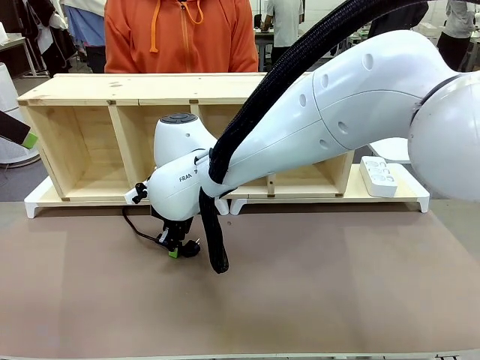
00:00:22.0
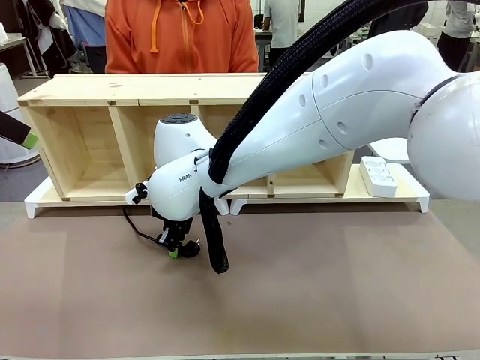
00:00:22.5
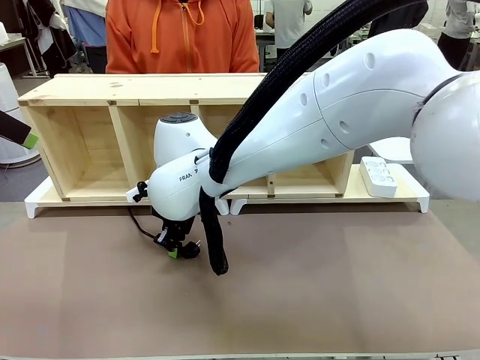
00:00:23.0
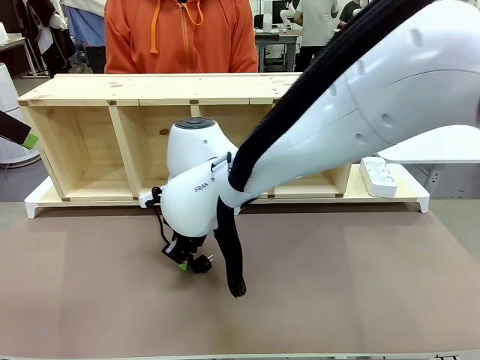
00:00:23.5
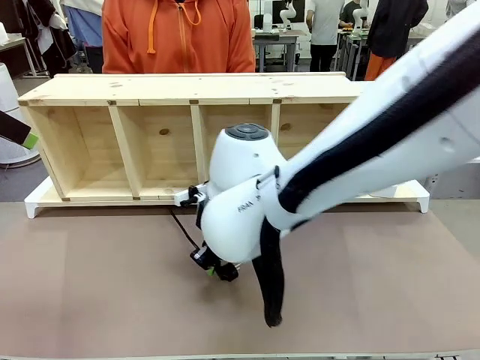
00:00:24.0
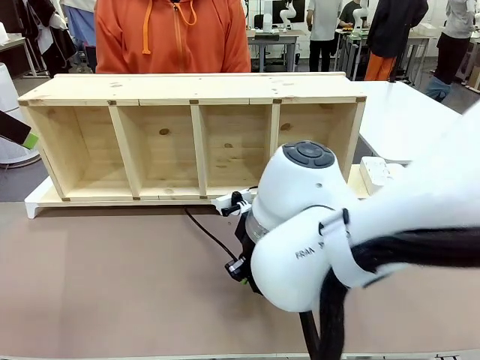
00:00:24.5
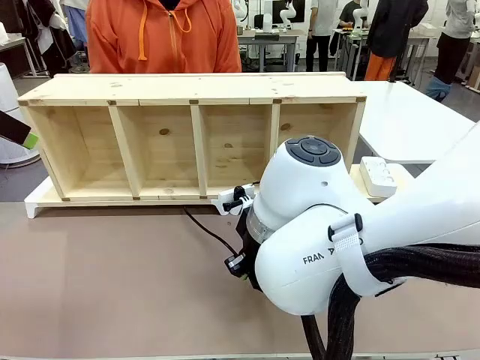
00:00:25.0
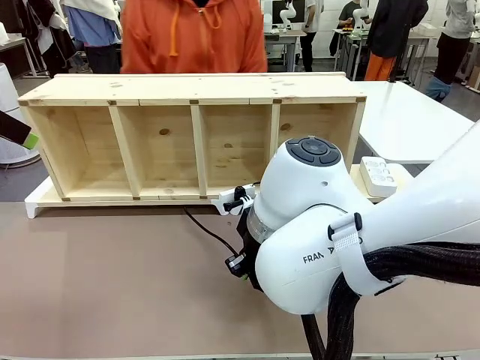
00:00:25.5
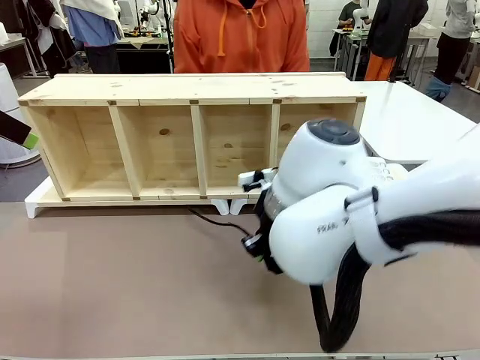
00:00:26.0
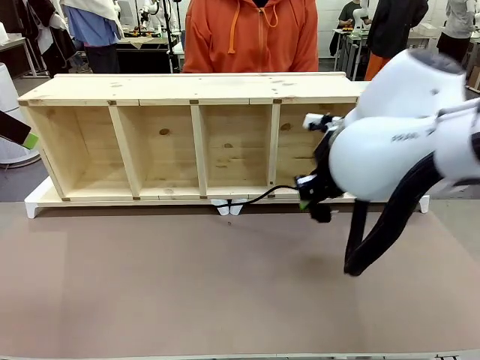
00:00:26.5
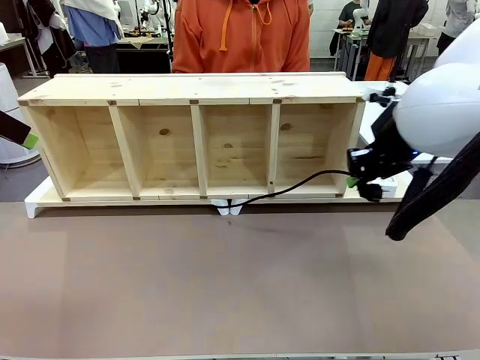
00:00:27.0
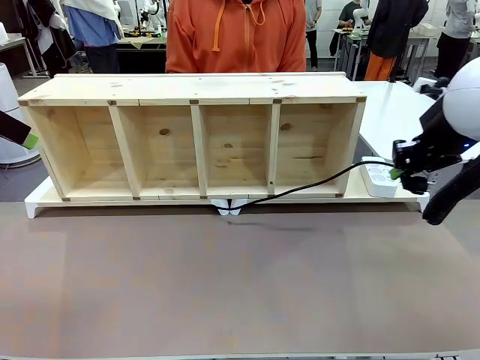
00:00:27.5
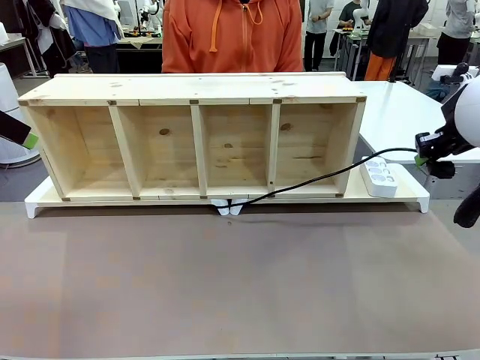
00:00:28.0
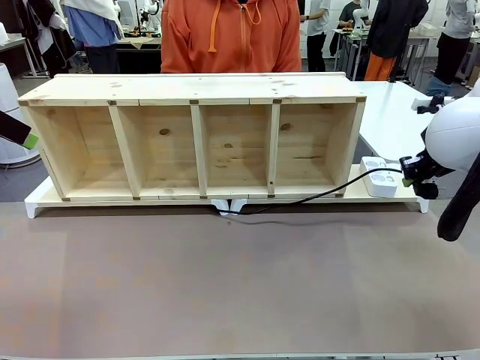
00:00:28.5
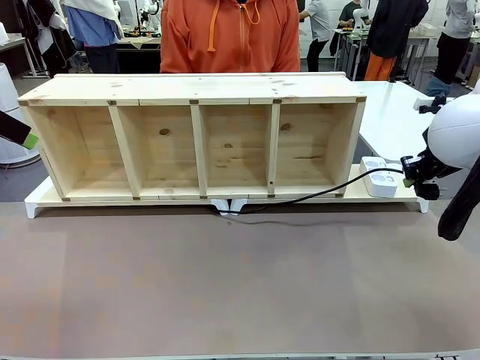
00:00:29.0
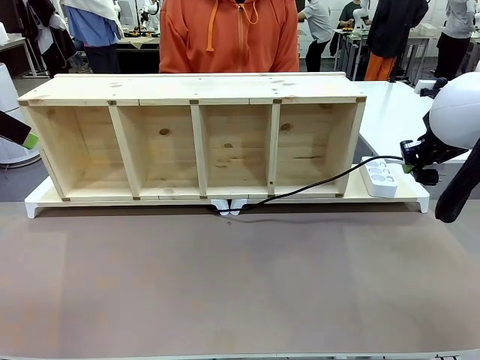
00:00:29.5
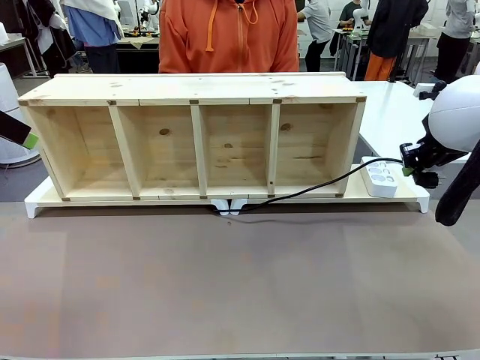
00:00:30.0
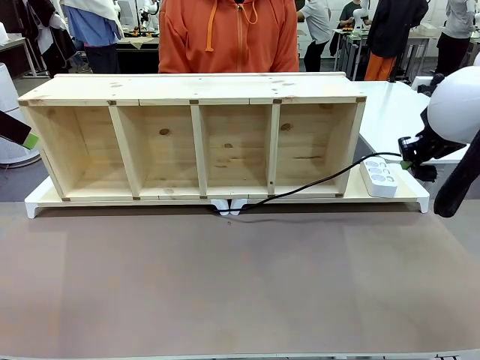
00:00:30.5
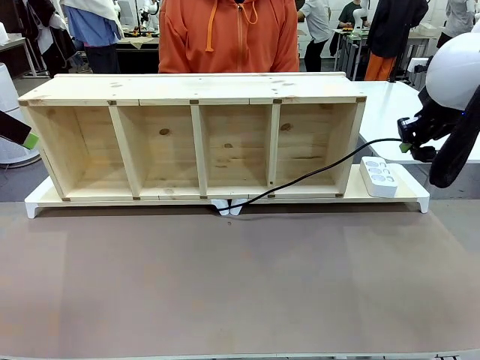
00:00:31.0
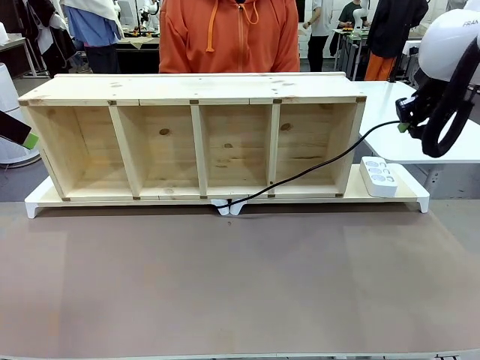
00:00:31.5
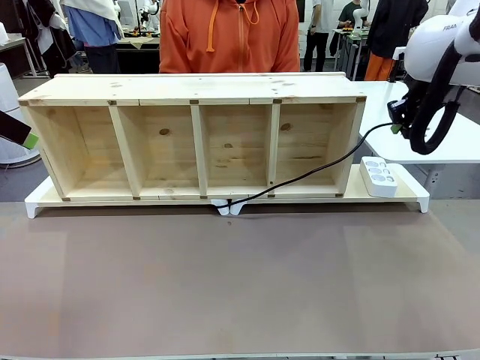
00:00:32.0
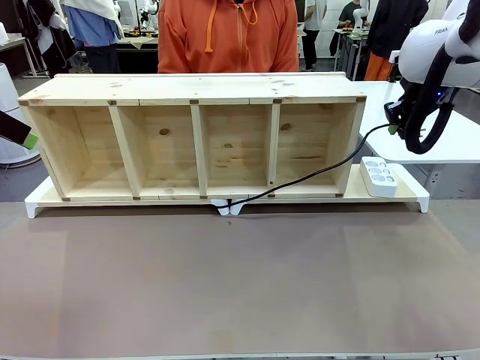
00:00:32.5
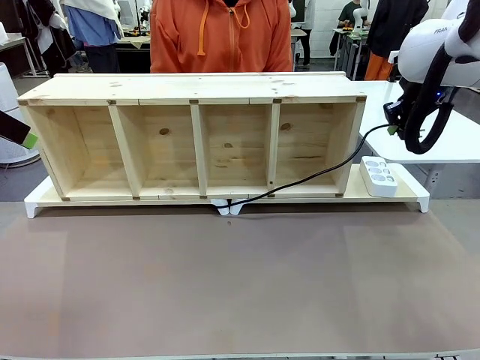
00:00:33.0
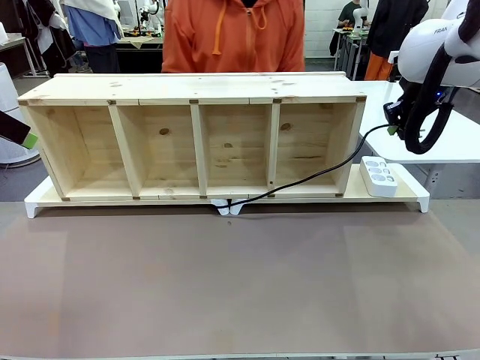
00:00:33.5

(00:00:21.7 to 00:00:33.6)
Task: Perform cable management.
Robot: Pull the grasped Power Cable to the location of the Power Strip.

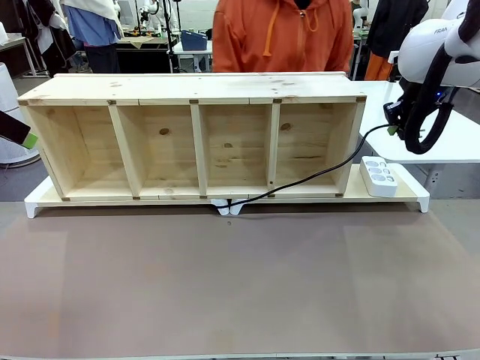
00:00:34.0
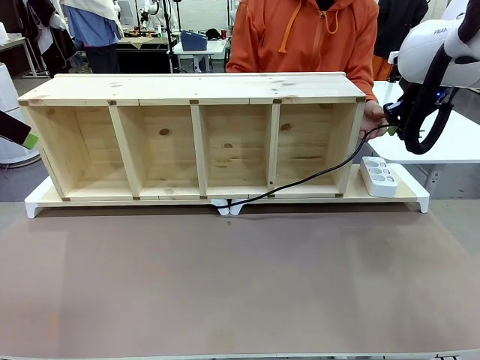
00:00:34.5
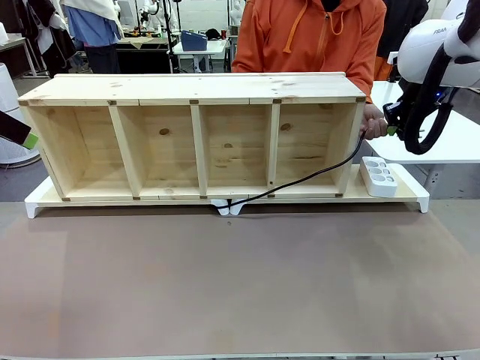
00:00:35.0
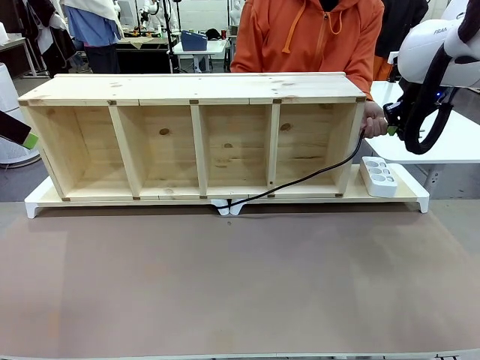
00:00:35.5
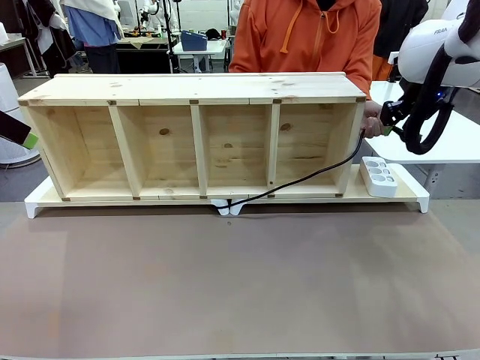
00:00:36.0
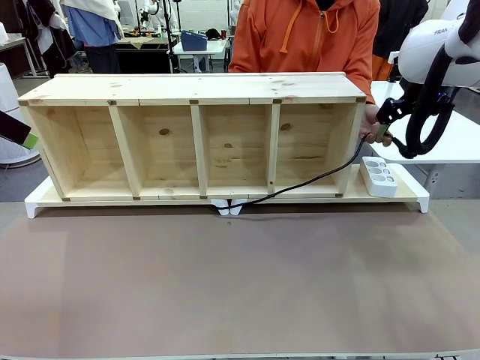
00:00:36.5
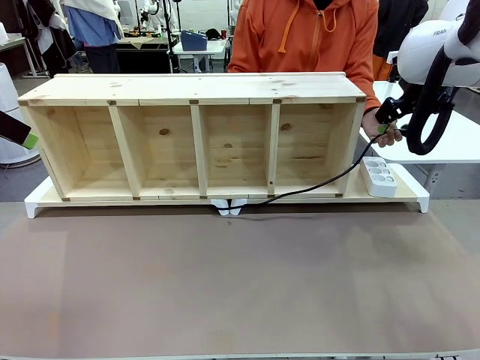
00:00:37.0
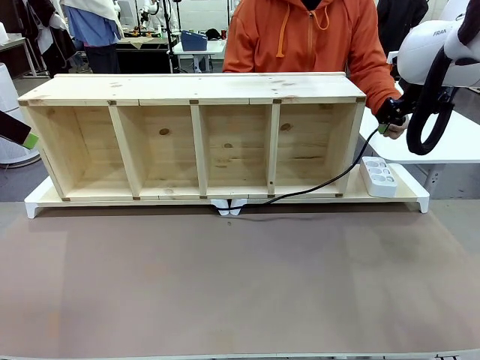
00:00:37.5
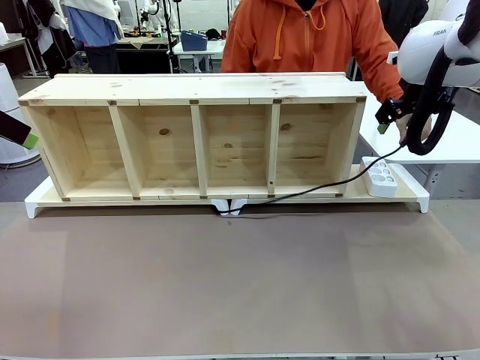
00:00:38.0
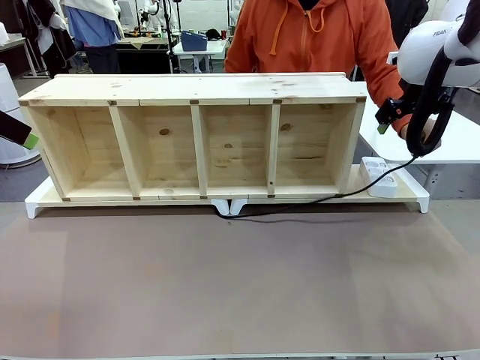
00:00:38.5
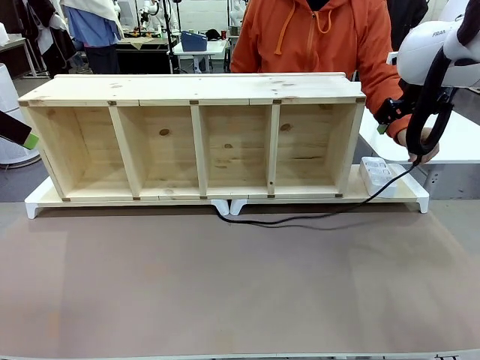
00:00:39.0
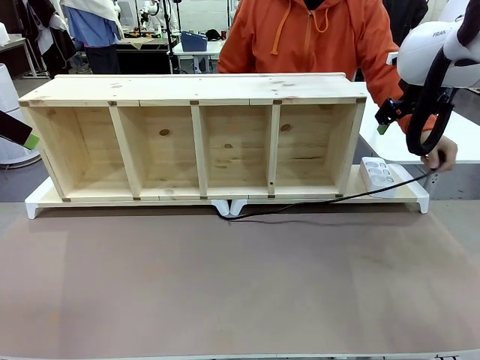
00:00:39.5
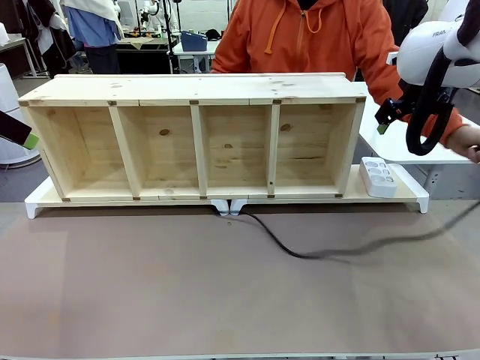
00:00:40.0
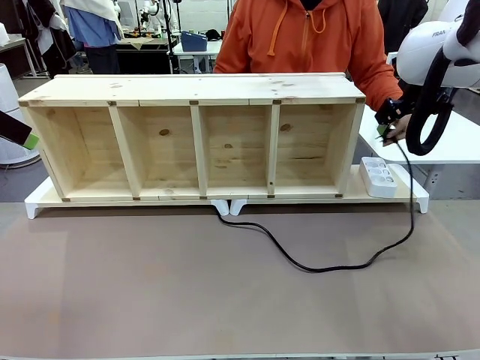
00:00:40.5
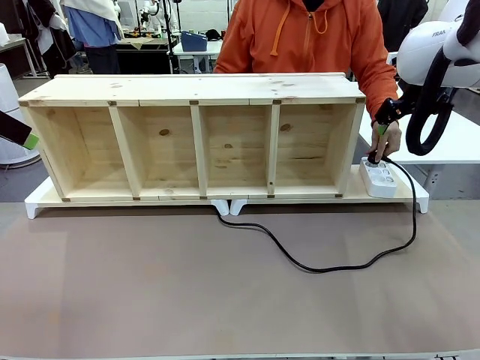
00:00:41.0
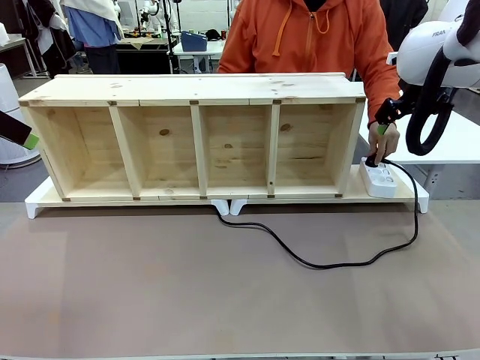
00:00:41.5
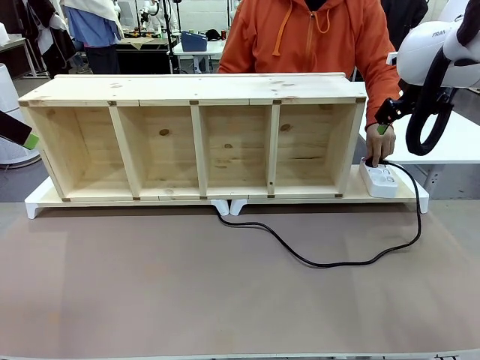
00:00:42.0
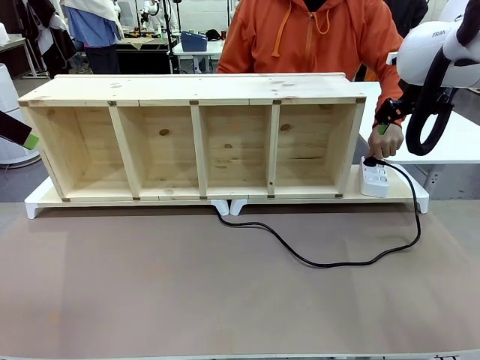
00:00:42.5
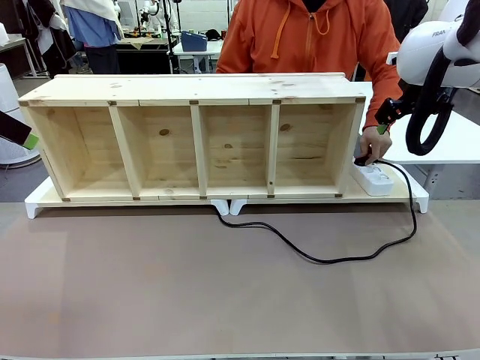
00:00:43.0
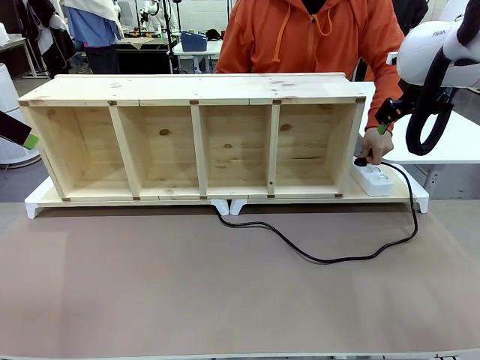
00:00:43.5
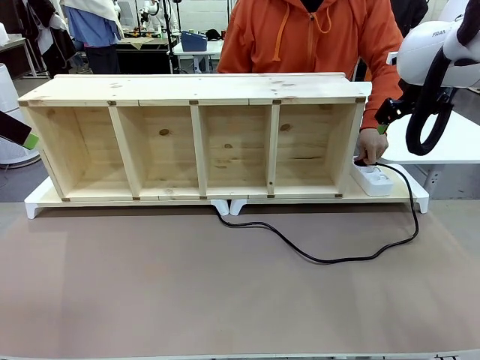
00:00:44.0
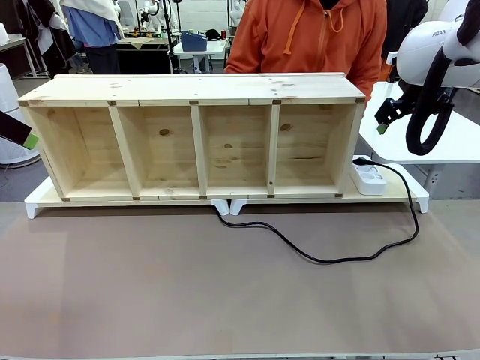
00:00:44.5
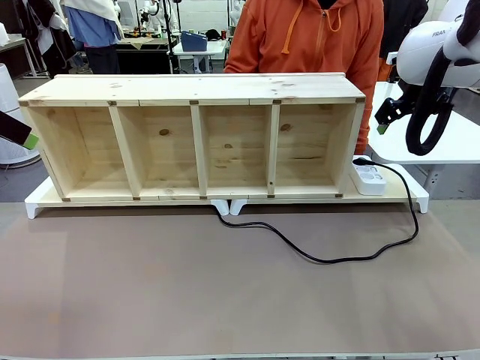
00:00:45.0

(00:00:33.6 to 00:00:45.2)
Robot: Release the Power Cable when the human grasps it.
Person: Plug the Power Cable into the Power Strip.
